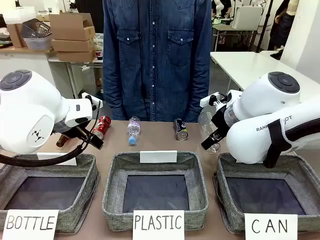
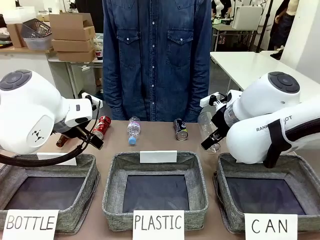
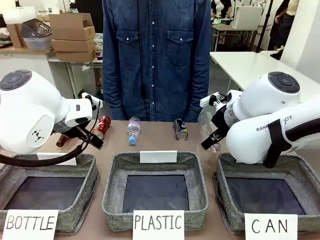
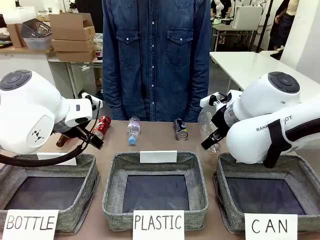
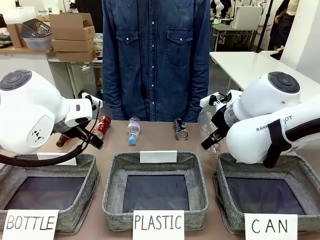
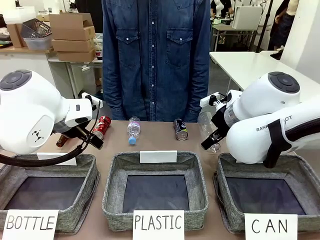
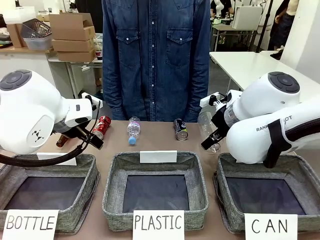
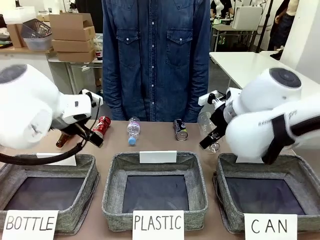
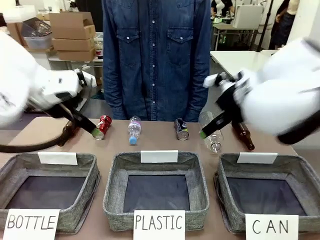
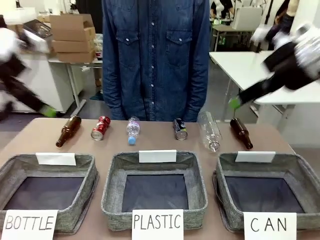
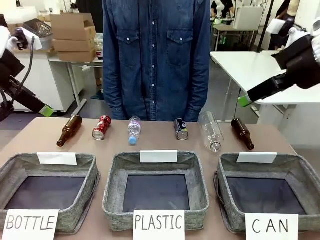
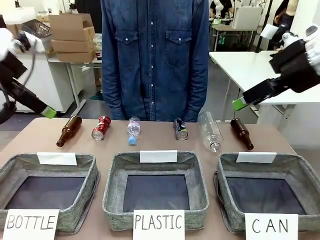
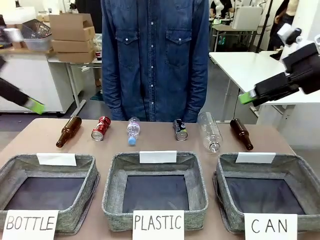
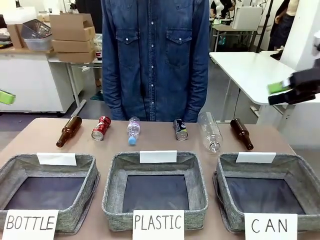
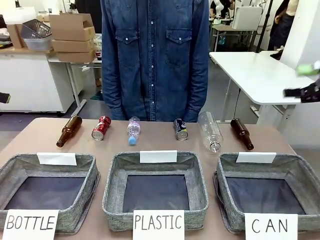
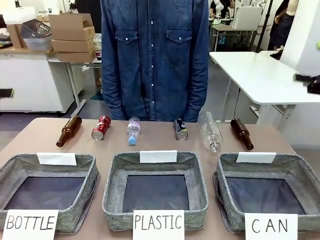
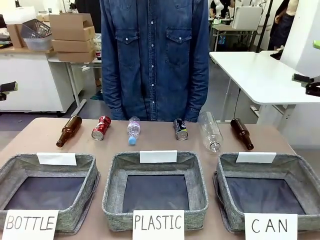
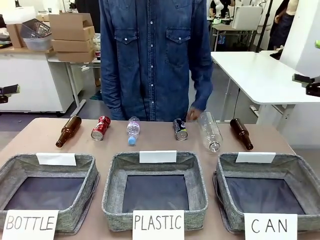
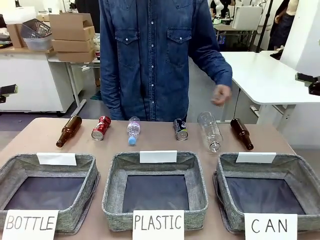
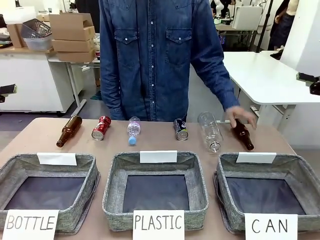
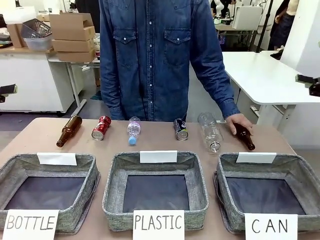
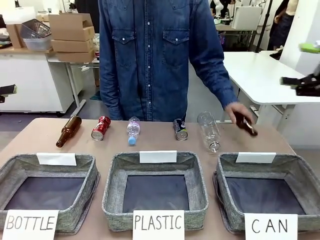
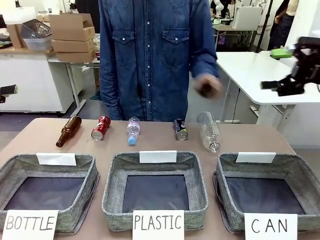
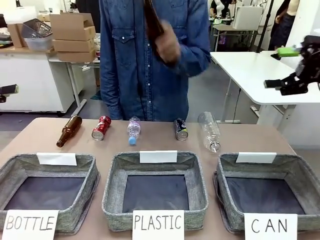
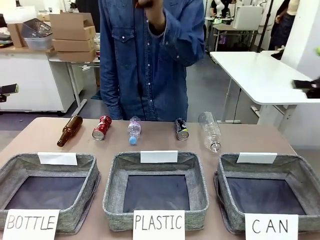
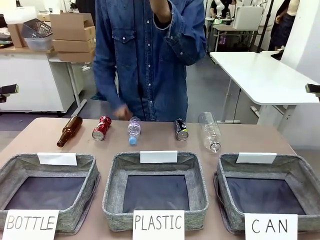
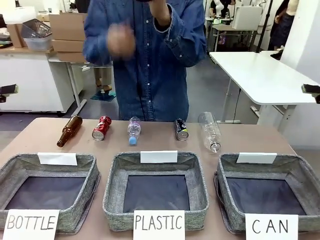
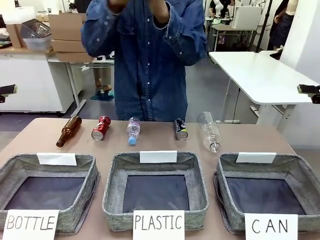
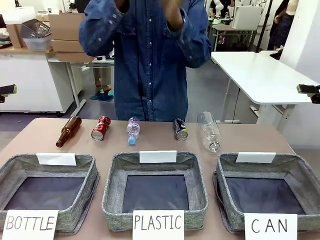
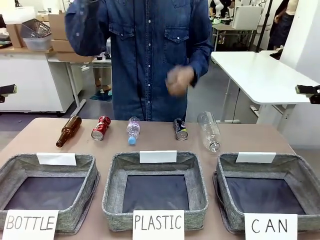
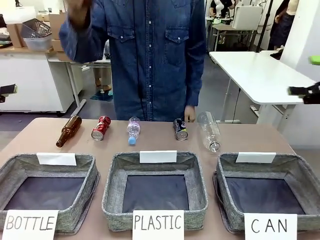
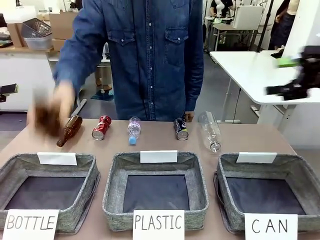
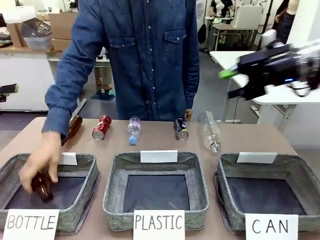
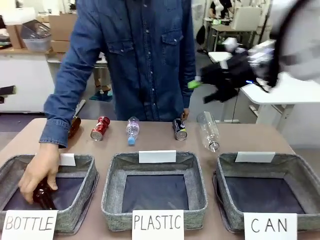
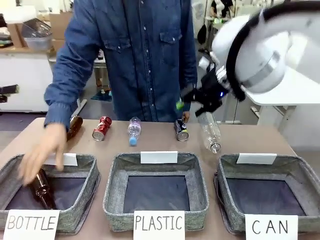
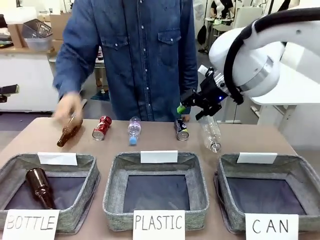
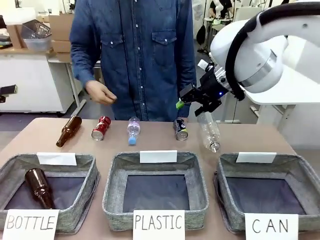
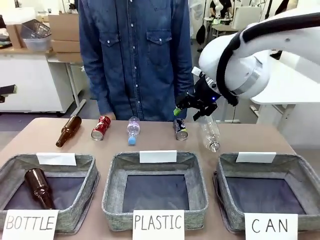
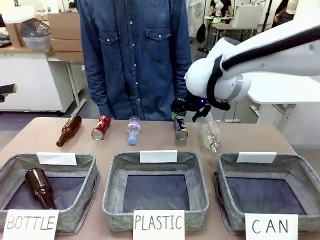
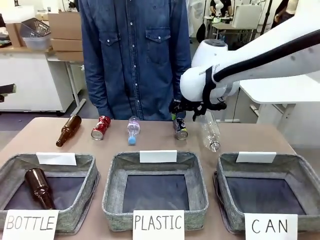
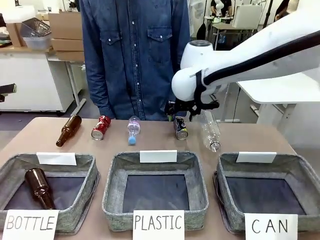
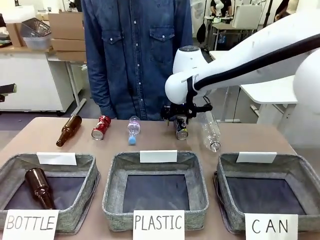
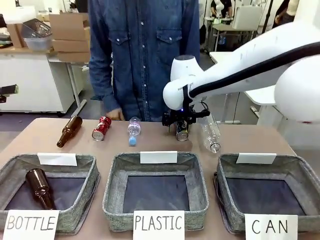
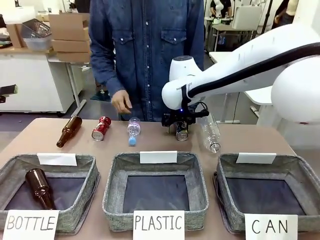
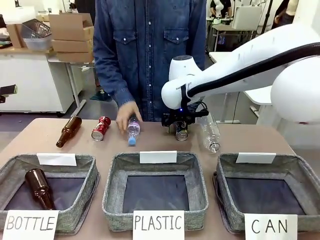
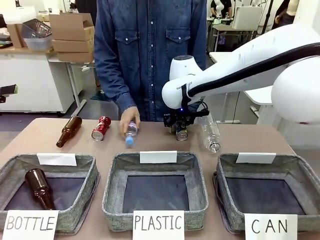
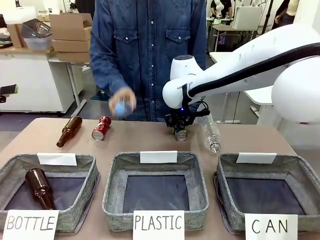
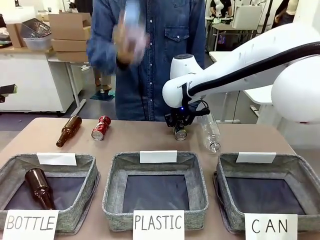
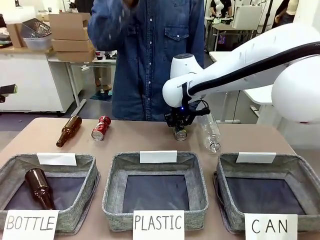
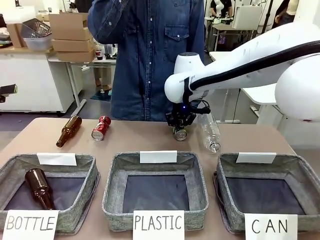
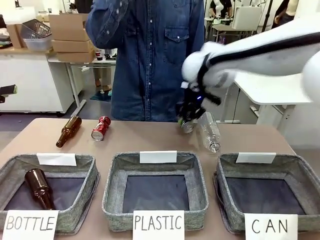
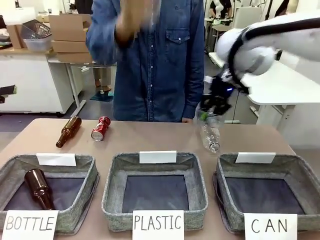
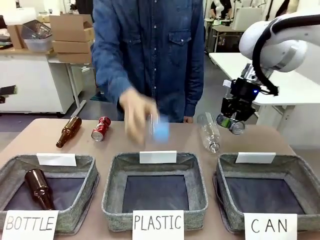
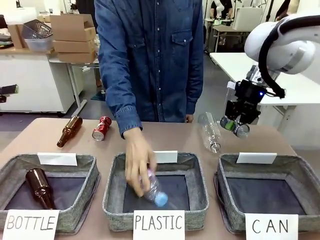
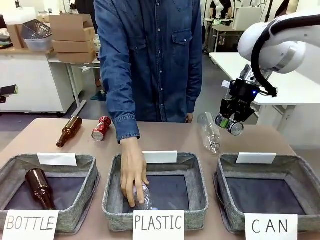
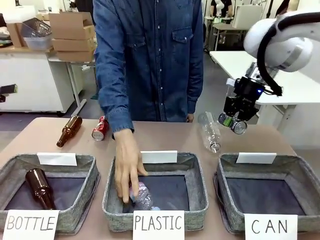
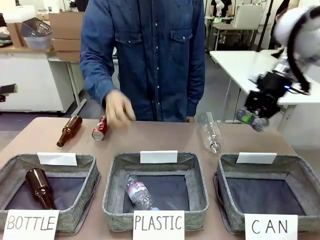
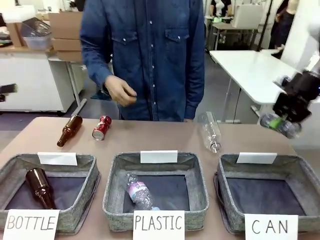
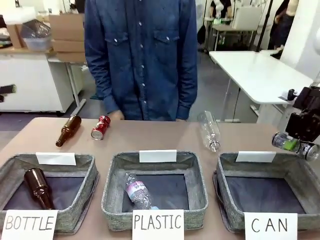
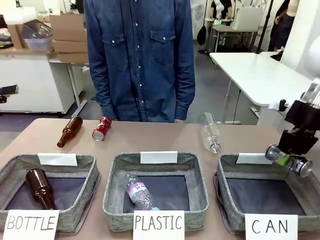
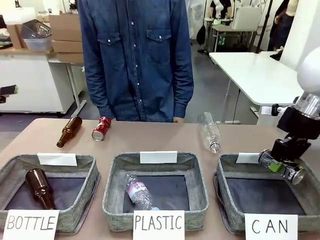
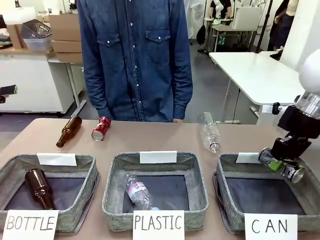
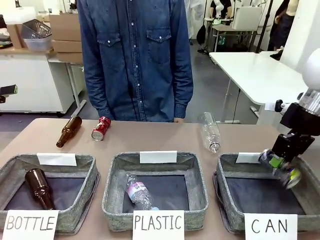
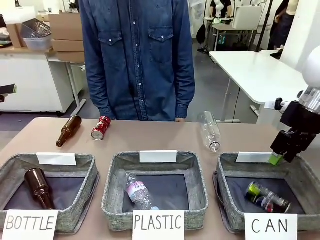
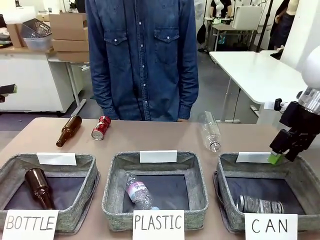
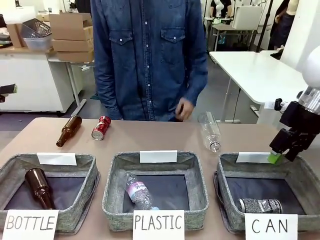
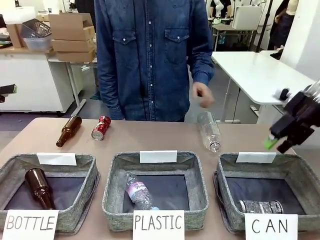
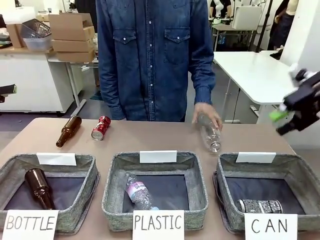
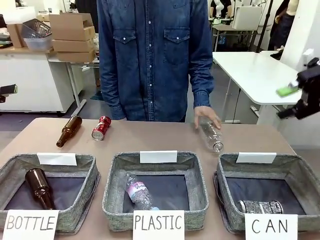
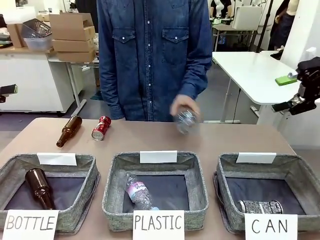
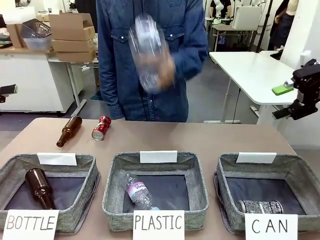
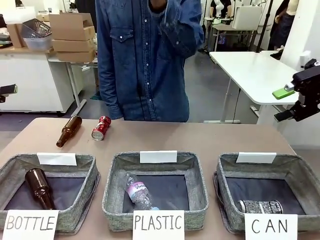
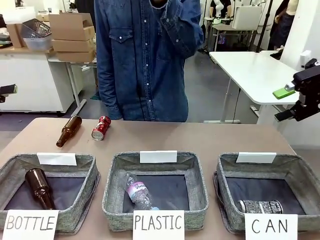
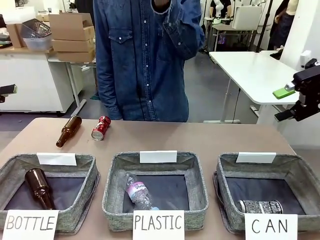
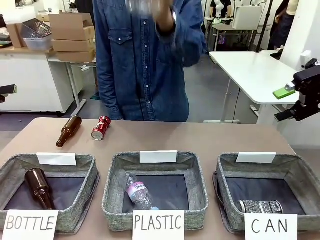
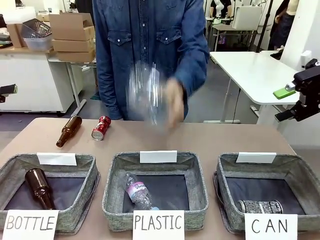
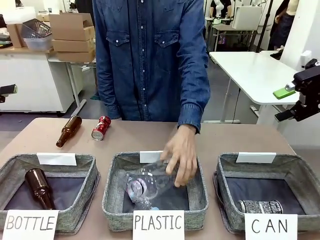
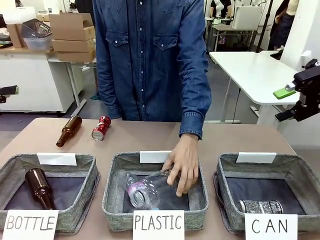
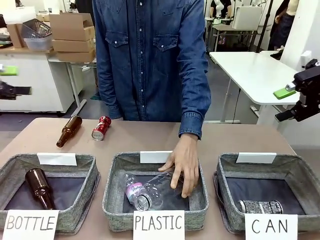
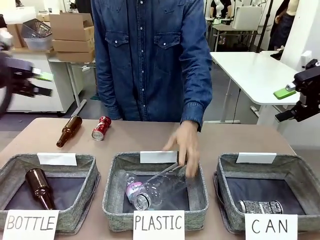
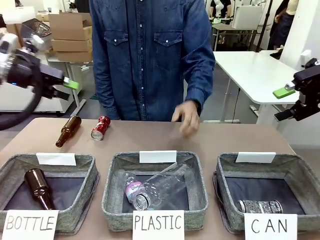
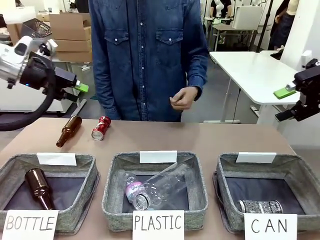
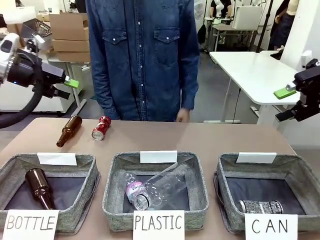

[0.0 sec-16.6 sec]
Task: Sort the can waste into the basket.
Robot: Pick up the can waste from the table and place it in the right Fabric basket.
